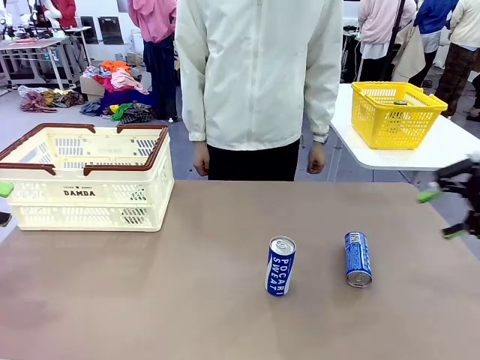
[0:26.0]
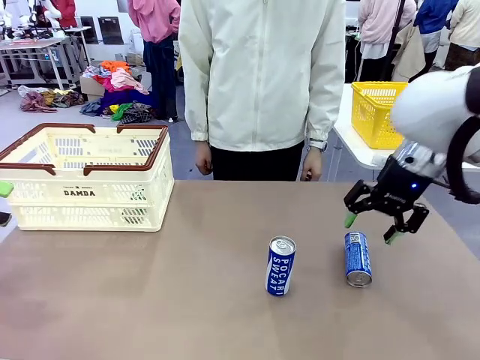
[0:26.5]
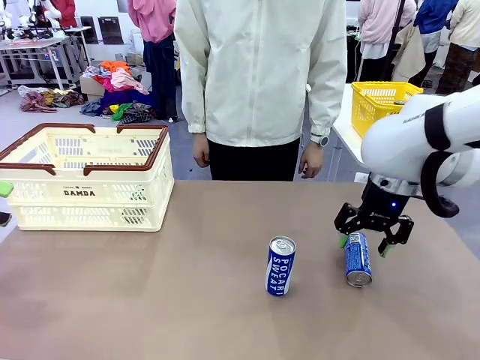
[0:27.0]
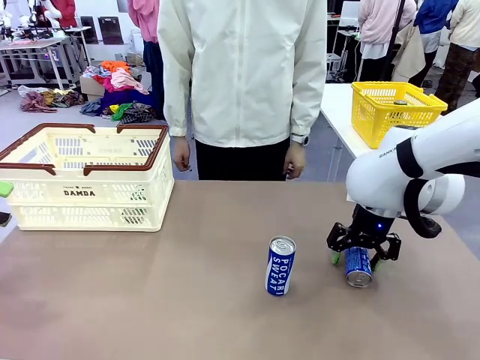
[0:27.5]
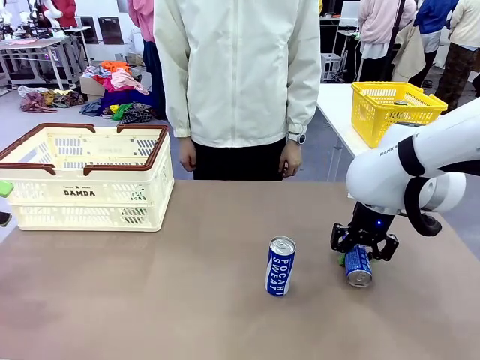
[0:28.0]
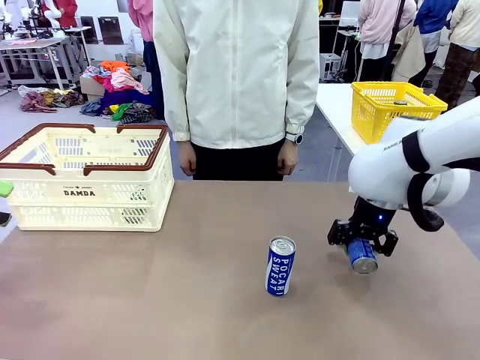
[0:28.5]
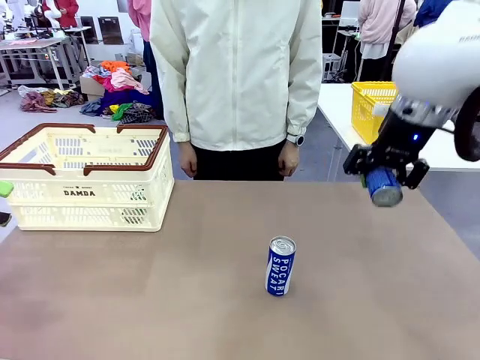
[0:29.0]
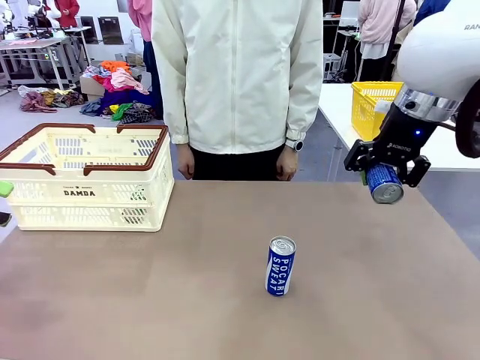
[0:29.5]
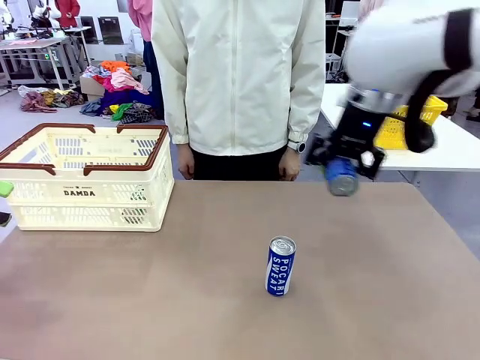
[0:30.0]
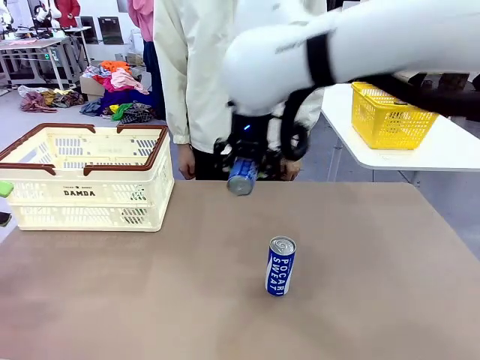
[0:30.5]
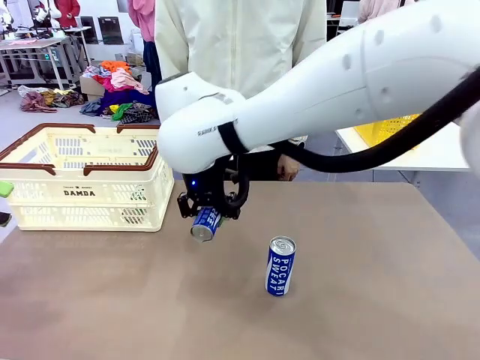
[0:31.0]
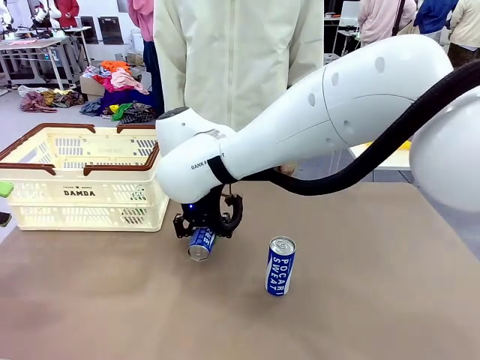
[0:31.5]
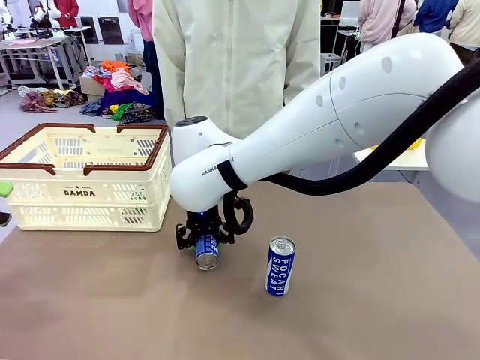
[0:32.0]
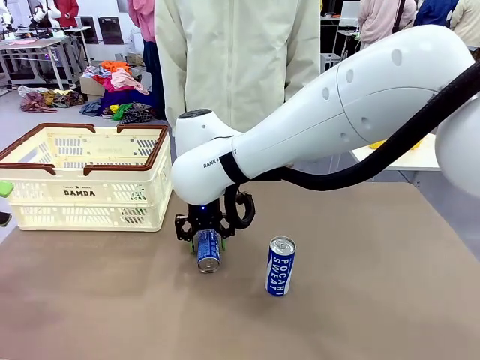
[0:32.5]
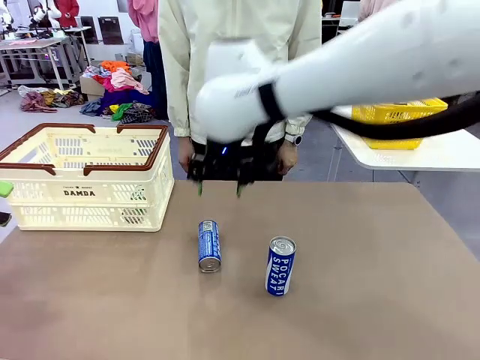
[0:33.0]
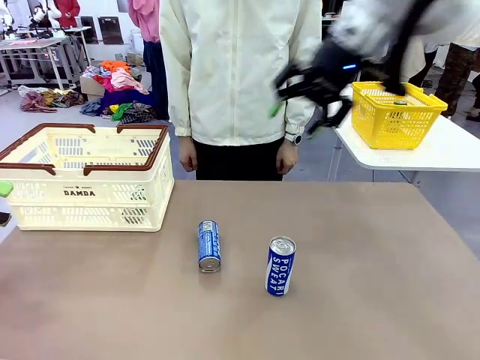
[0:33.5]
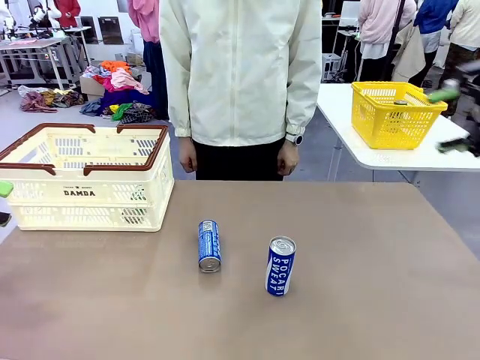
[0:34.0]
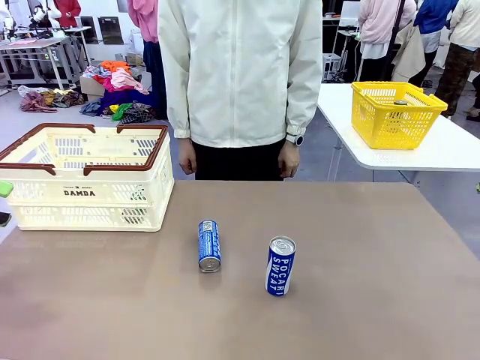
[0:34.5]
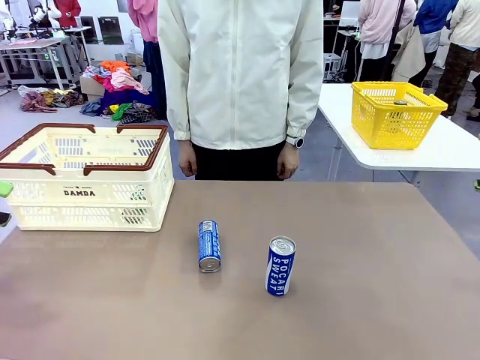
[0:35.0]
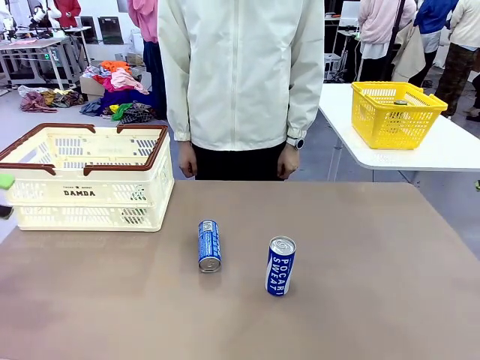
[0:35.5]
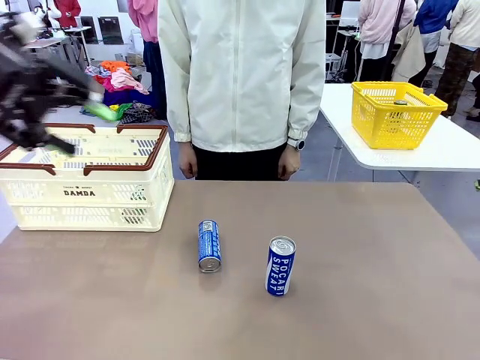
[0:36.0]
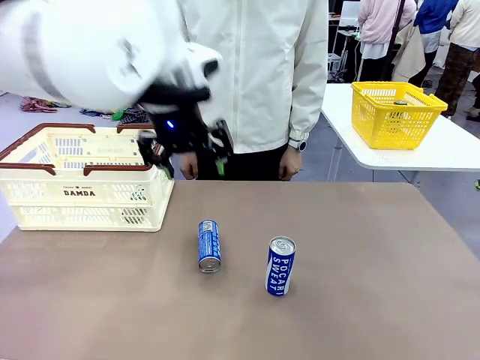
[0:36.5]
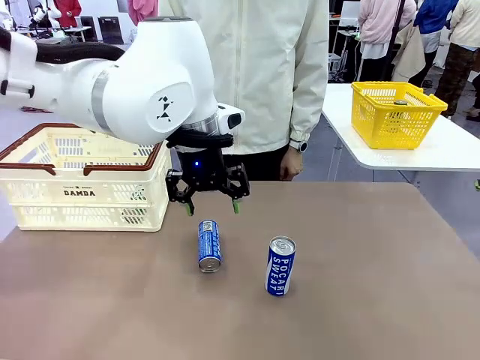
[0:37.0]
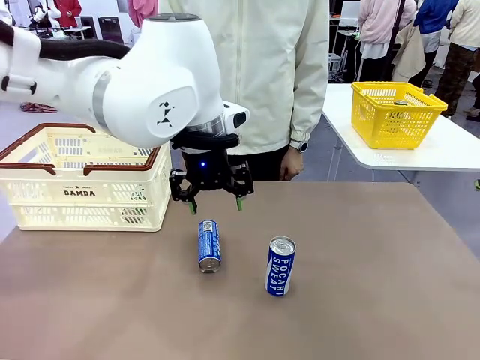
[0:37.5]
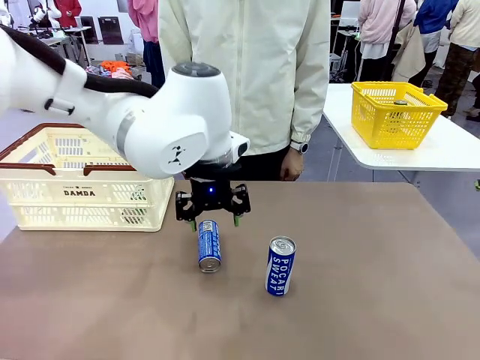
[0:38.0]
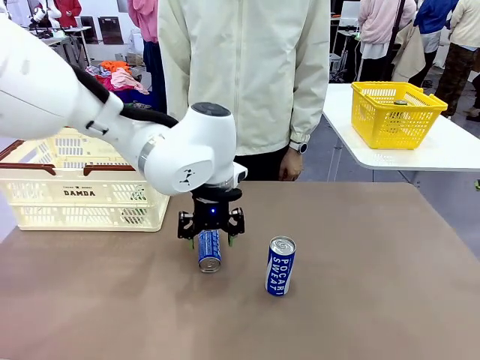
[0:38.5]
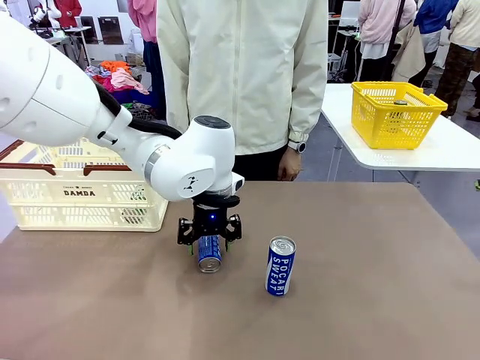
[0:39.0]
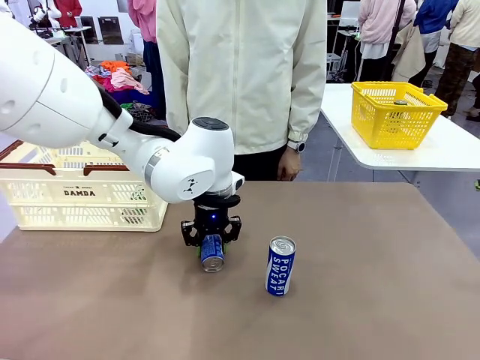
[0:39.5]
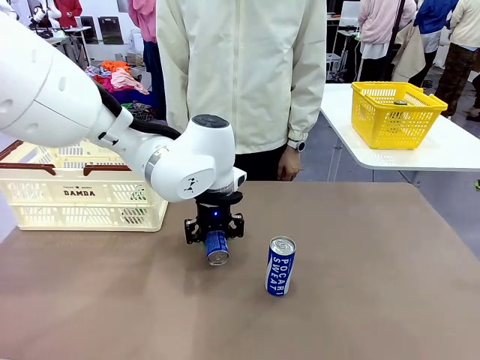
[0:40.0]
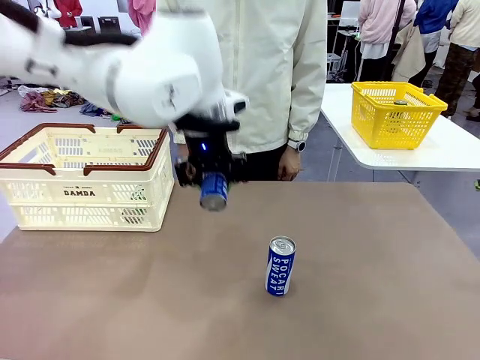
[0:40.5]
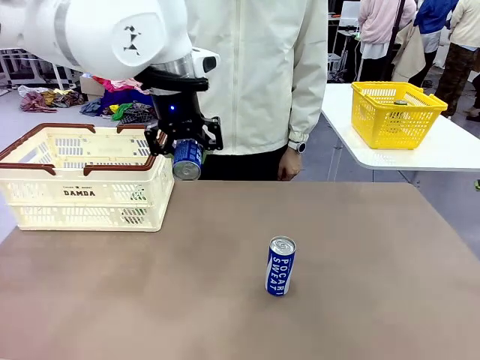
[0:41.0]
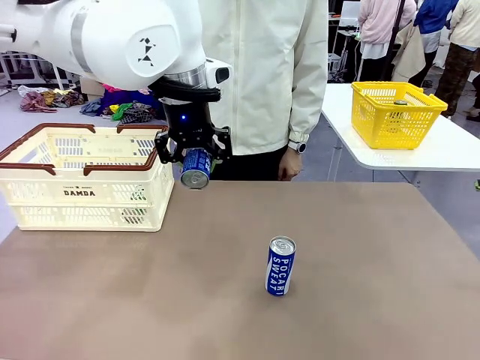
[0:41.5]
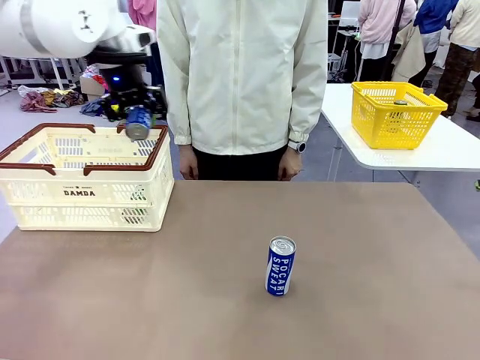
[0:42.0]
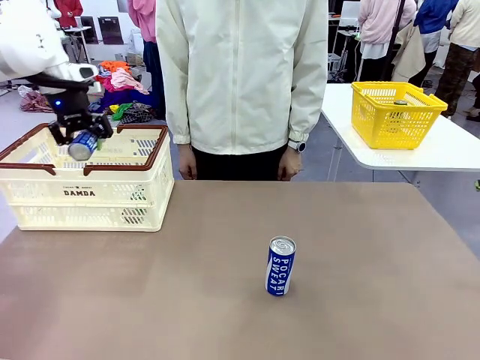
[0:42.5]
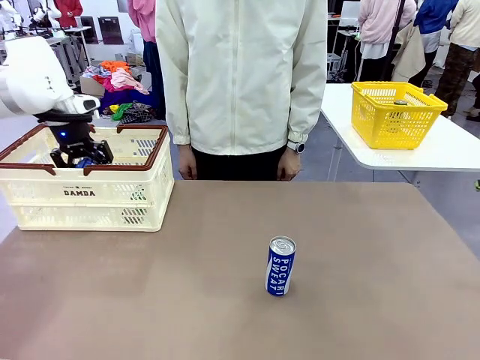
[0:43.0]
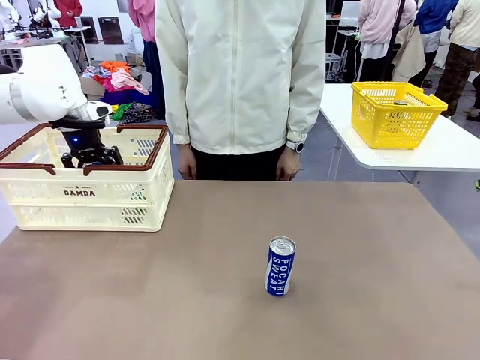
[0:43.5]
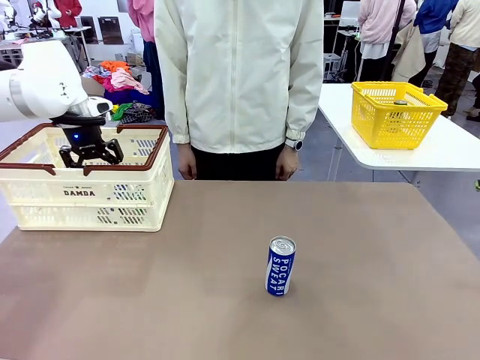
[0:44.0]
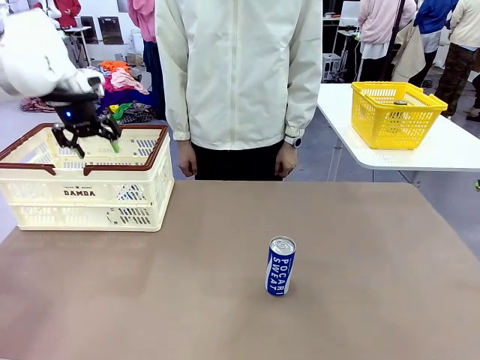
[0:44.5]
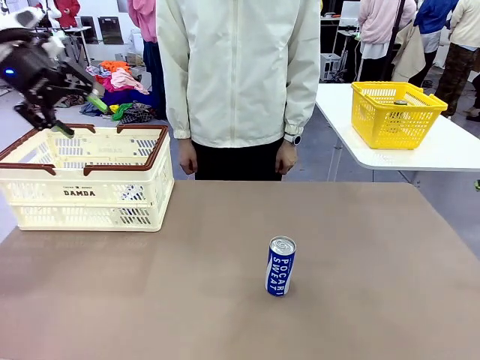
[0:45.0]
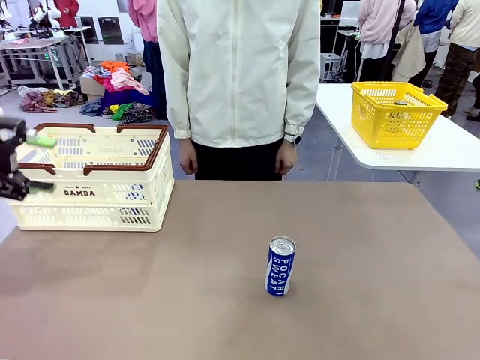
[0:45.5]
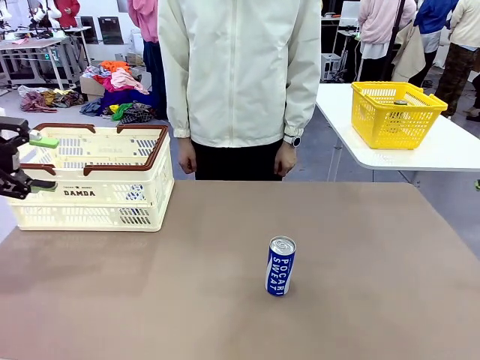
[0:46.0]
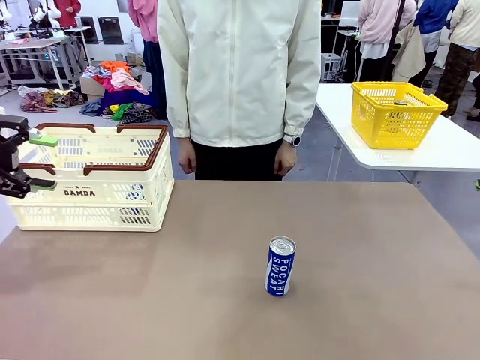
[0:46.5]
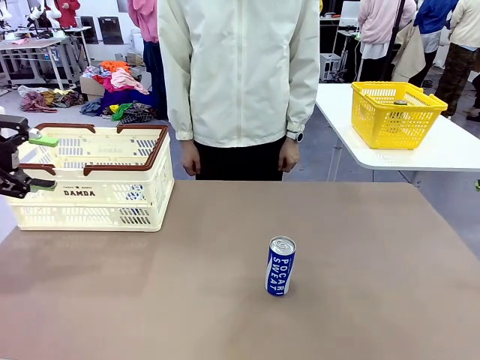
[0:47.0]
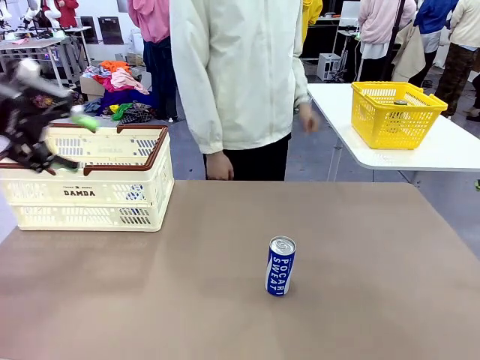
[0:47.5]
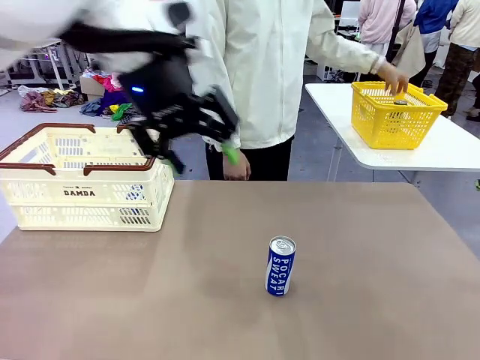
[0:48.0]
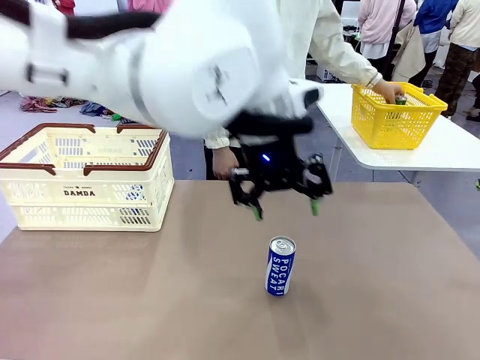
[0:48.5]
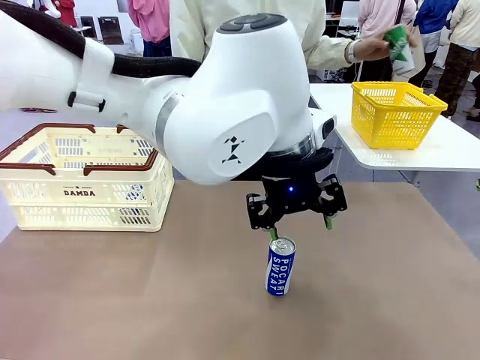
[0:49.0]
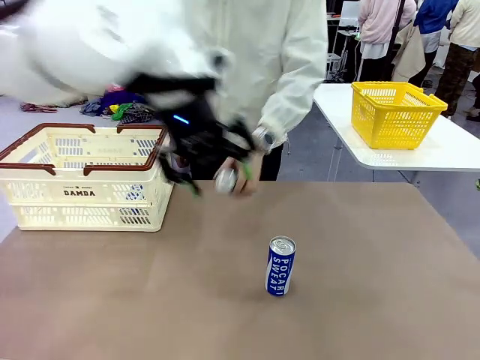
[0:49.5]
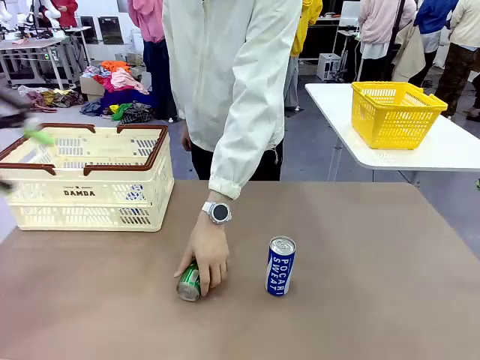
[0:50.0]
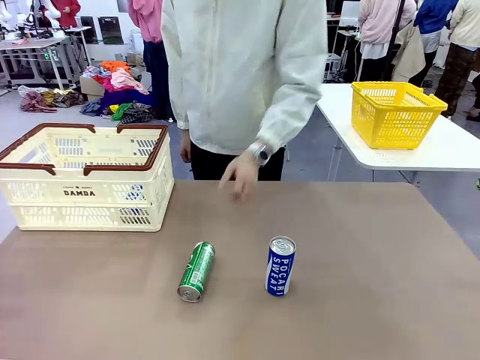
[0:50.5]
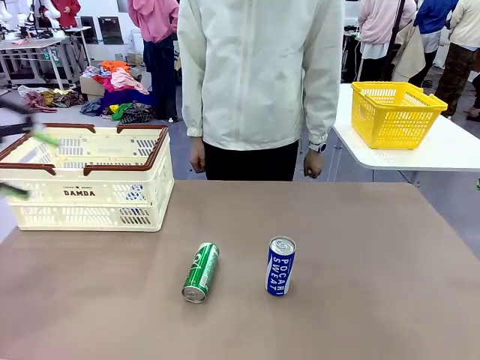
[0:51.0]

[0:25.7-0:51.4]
Task: Place the drinks into the Shopping basket.
Robot: Pick up one drink and place it into the Shopping basket.
